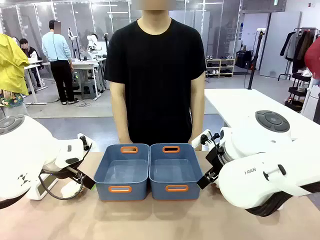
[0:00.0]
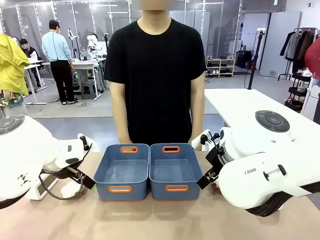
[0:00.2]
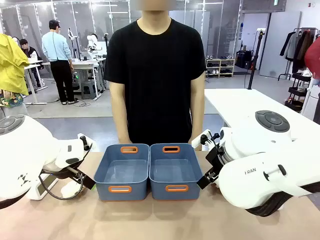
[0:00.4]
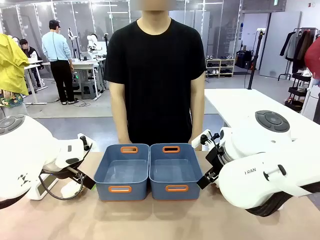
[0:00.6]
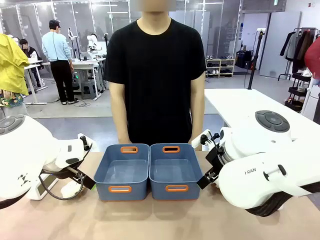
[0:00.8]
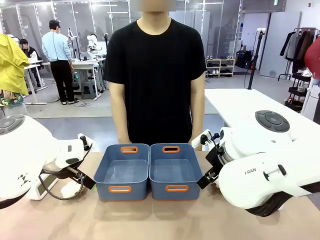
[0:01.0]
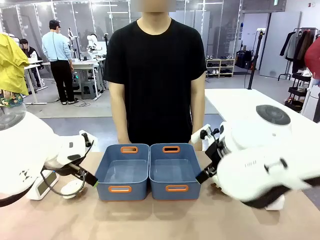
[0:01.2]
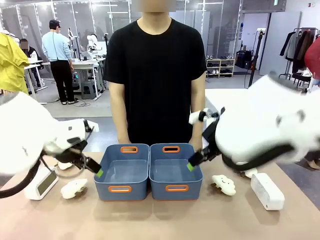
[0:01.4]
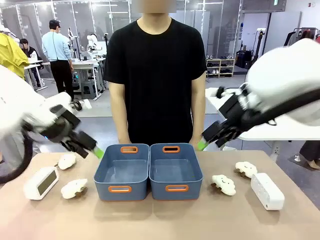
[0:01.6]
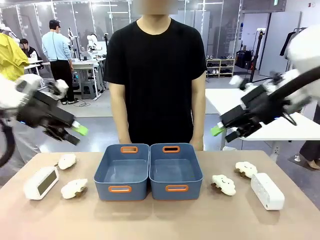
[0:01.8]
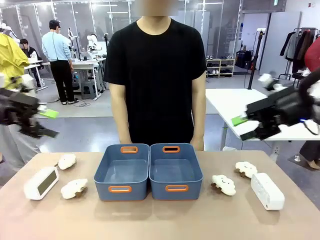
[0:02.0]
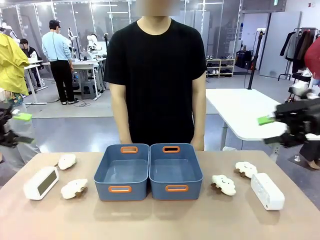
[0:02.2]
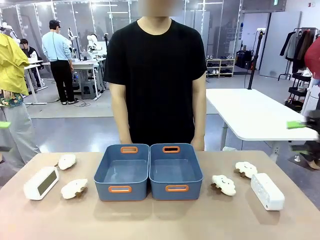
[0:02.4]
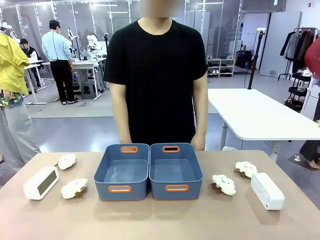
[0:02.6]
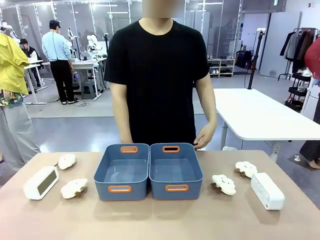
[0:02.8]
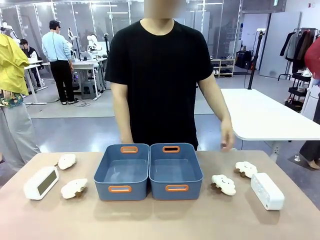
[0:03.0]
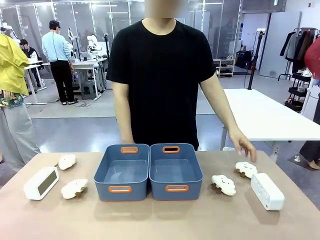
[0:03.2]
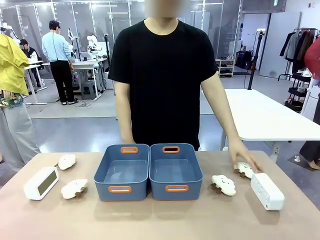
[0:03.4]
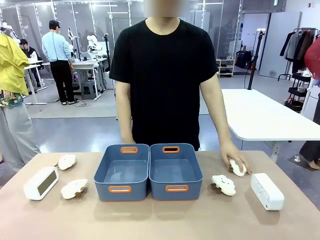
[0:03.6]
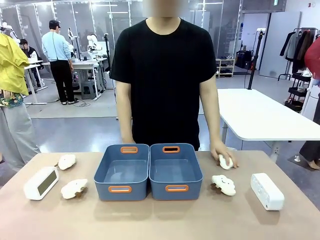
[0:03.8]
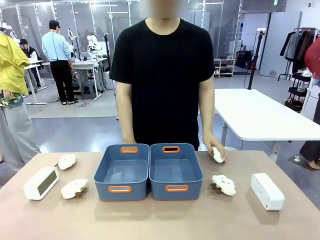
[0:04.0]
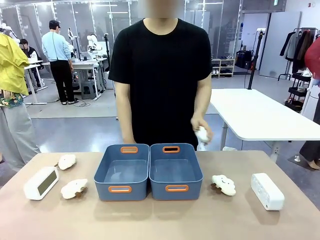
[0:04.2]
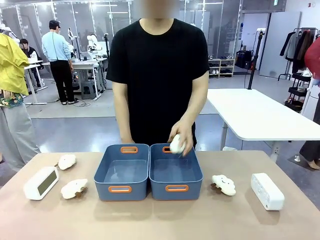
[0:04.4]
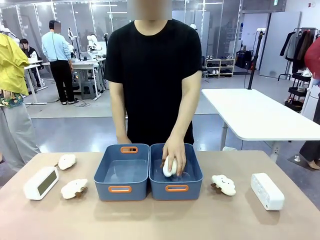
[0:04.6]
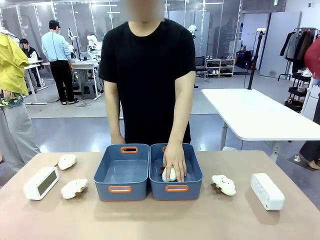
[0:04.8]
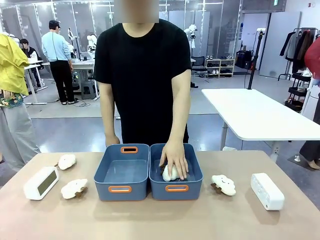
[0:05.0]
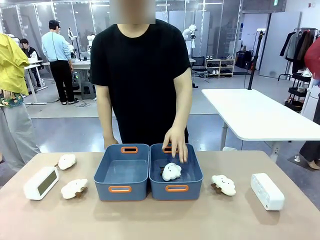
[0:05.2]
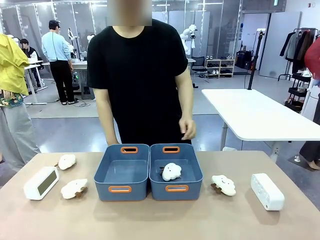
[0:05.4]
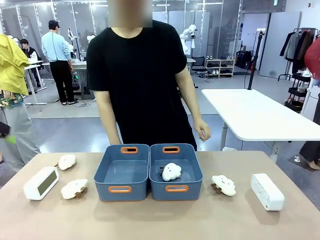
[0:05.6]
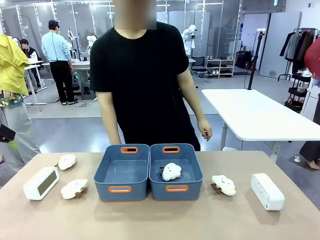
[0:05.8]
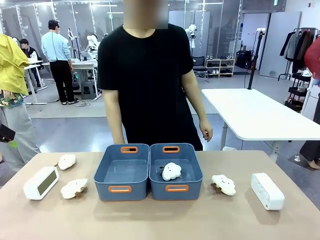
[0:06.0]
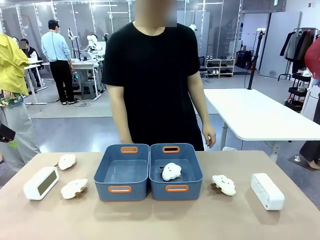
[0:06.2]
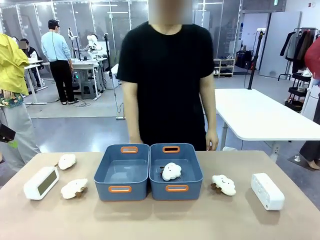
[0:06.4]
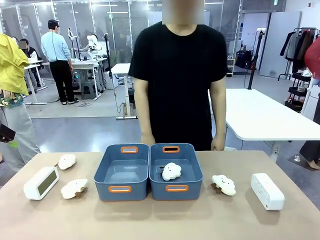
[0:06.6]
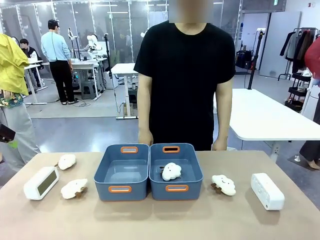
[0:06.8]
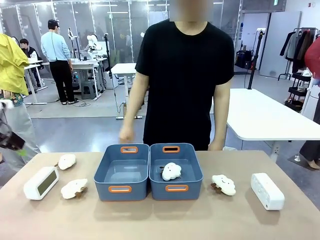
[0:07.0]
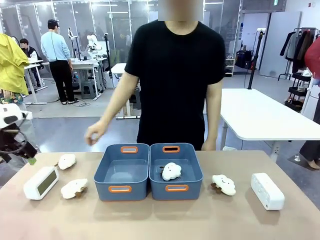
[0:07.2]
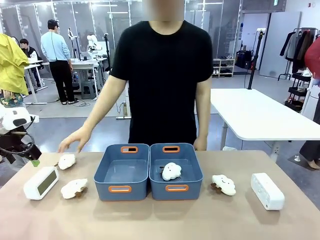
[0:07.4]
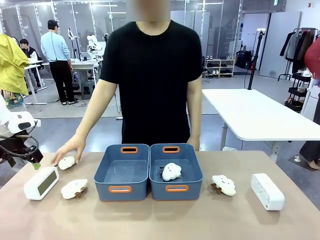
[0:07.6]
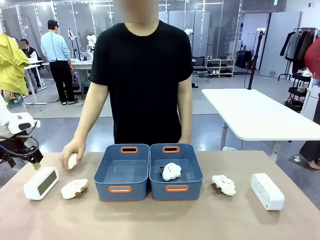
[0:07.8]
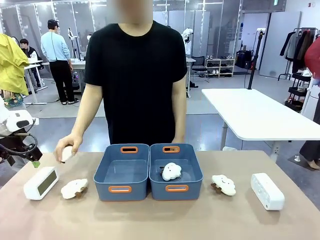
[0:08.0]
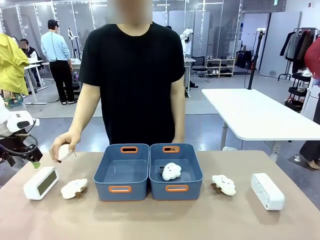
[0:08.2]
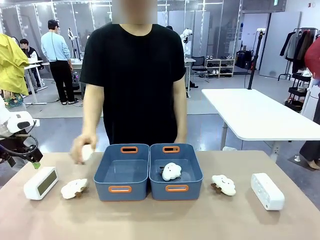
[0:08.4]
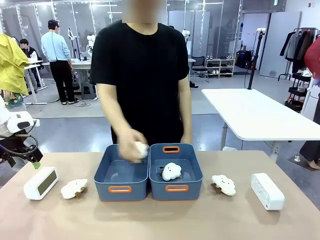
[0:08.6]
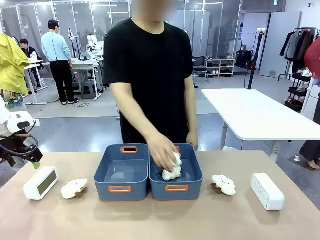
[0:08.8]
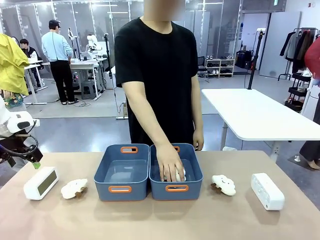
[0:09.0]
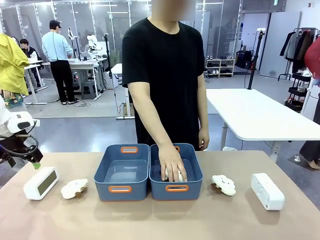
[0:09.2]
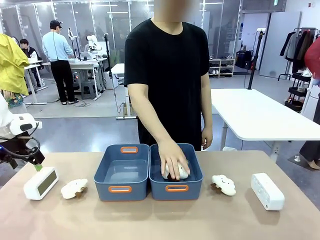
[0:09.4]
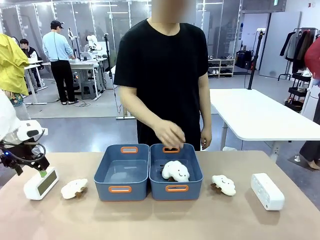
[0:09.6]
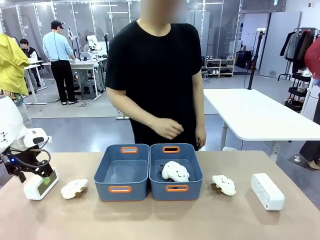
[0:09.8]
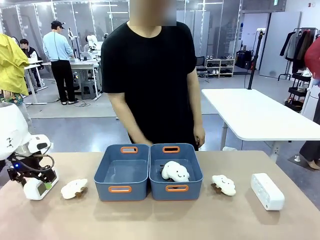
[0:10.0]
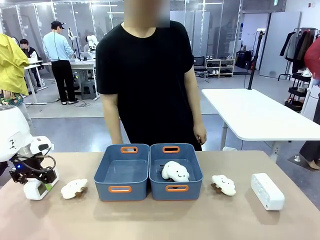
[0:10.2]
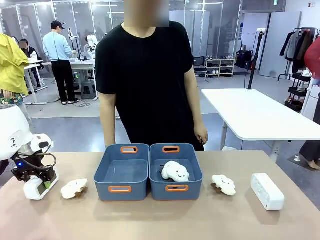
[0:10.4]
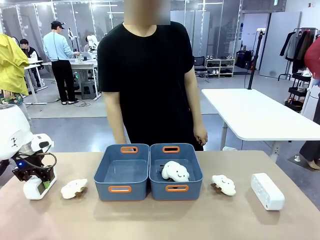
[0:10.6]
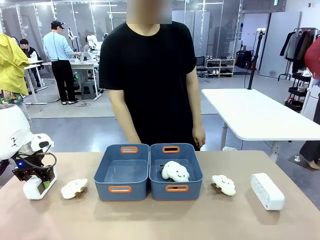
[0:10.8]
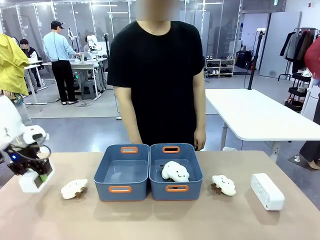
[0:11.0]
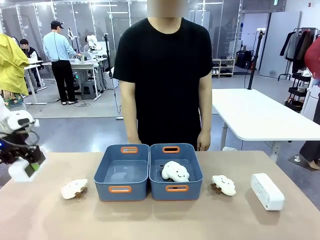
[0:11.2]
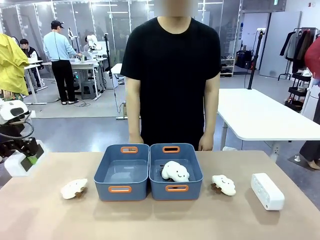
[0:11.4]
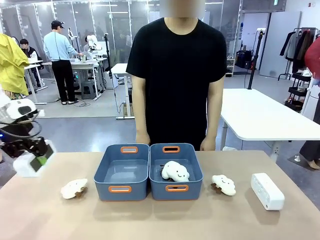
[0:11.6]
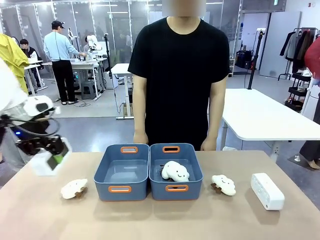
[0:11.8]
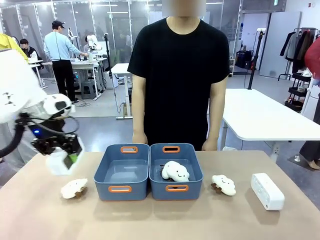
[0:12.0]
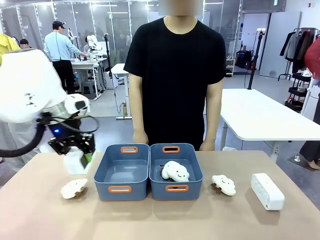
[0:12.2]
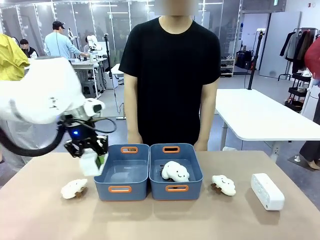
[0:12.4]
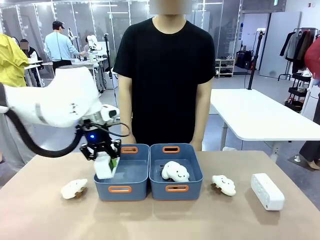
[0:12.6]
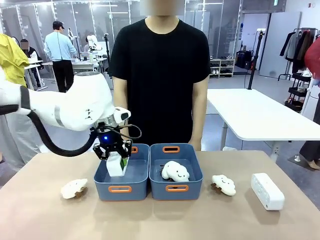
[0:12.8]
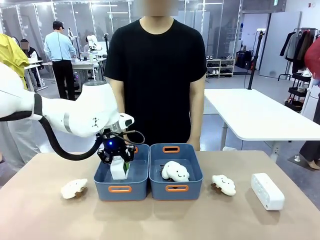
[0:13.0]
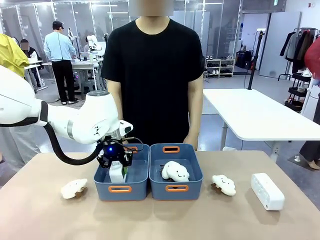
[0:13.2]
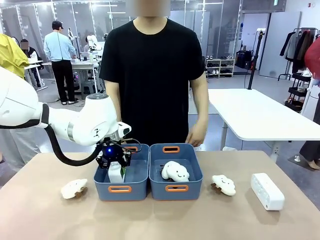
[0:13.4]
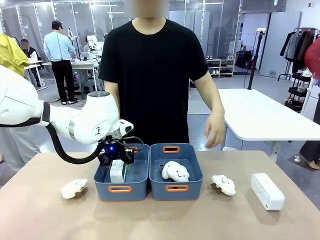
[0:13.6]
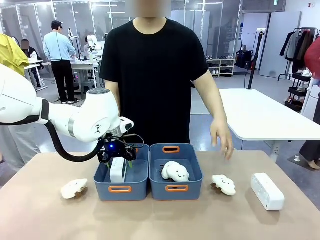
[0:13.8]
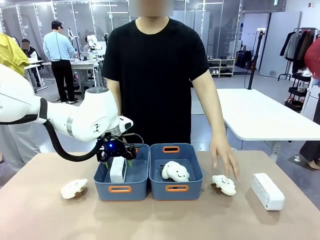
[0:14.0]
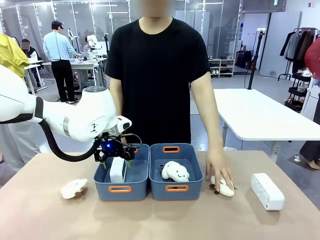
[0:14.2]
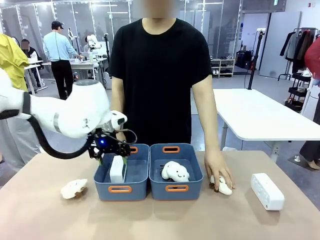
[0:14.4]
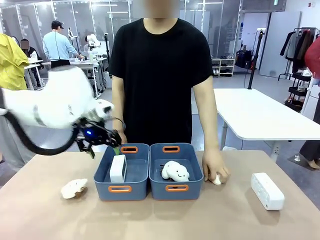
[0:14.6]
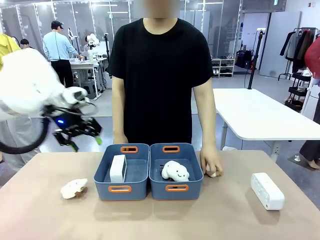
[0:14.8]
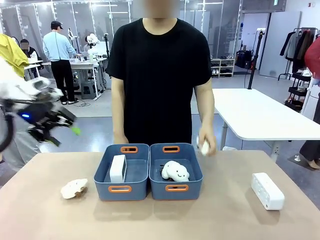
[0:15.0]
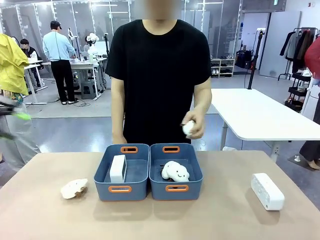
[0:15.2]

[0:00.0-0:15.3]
Task: Sort the digital clocks into the basket.
Robot: Pick up the Digital clock from the table and place it into the empty Plastic storage basket.
Person: Pick up a plush toy from the table and place it in a plastic storage basket.
